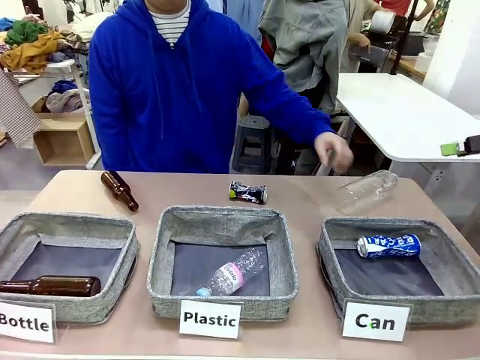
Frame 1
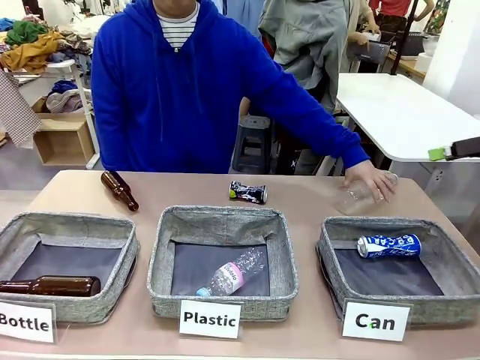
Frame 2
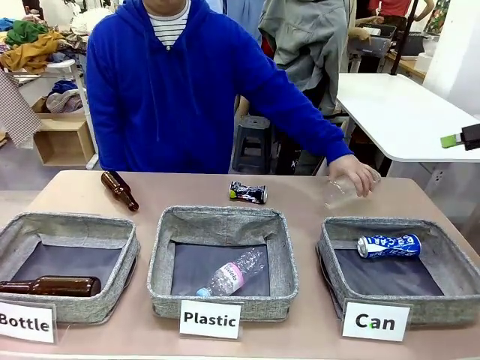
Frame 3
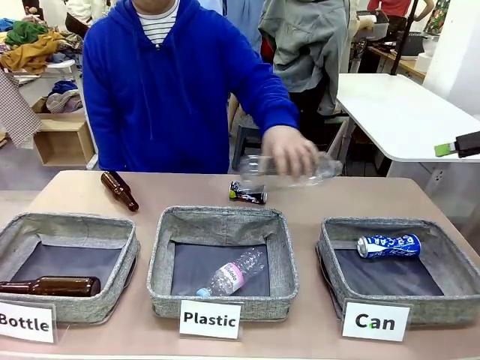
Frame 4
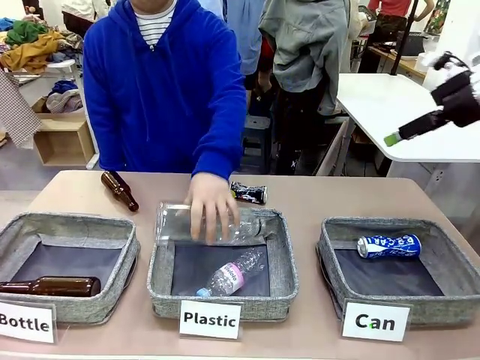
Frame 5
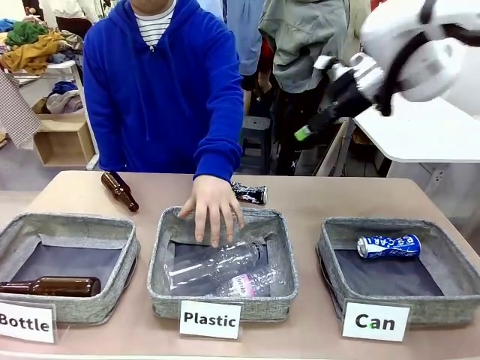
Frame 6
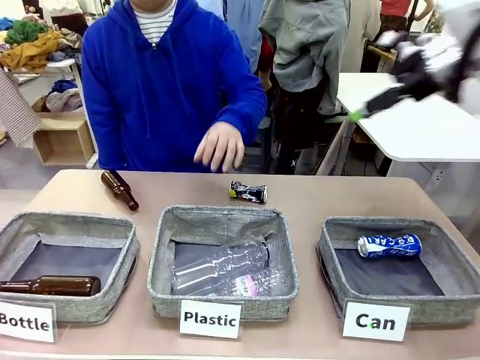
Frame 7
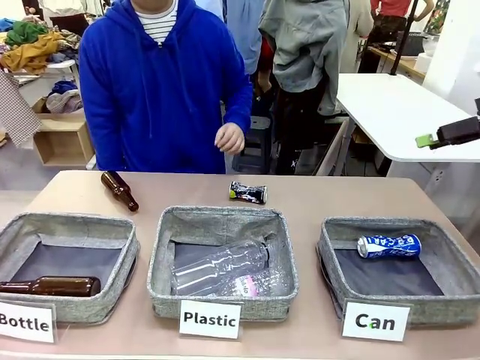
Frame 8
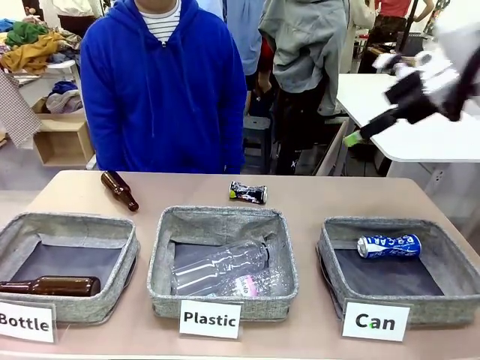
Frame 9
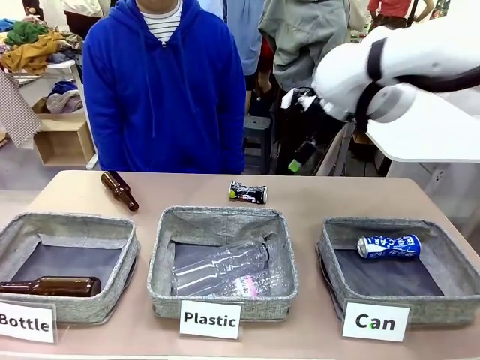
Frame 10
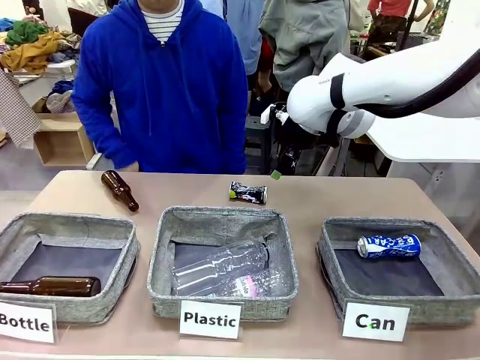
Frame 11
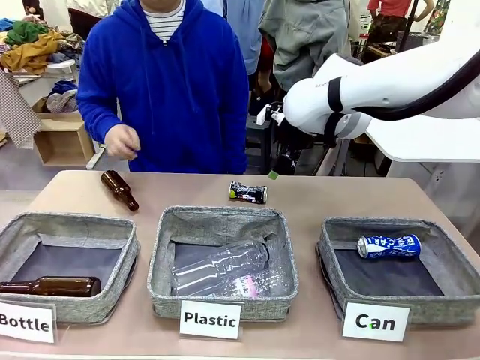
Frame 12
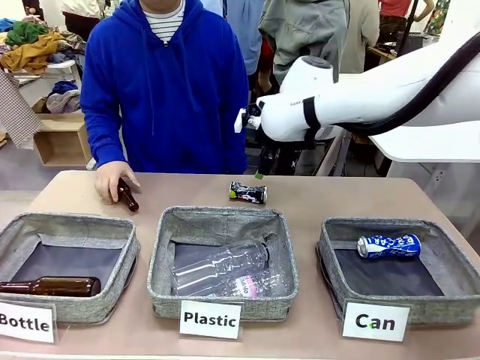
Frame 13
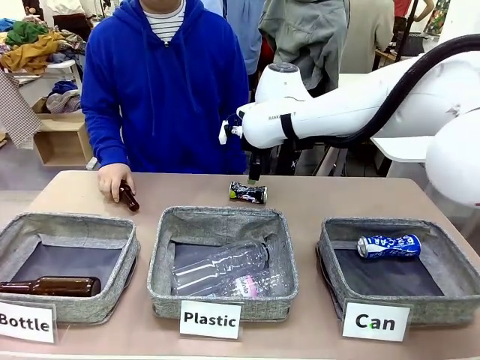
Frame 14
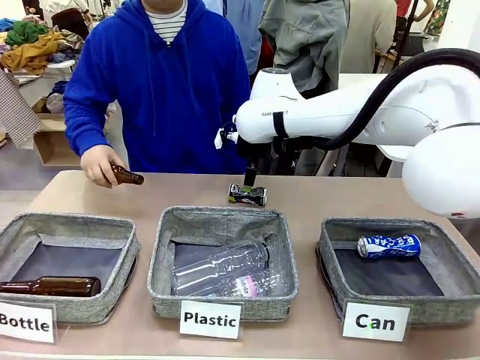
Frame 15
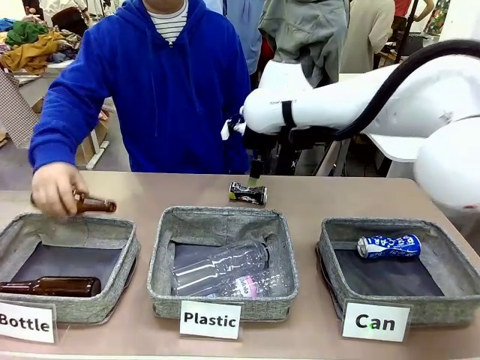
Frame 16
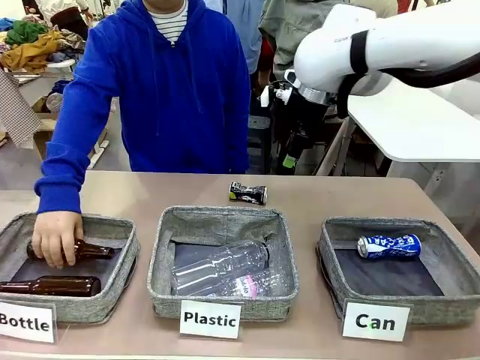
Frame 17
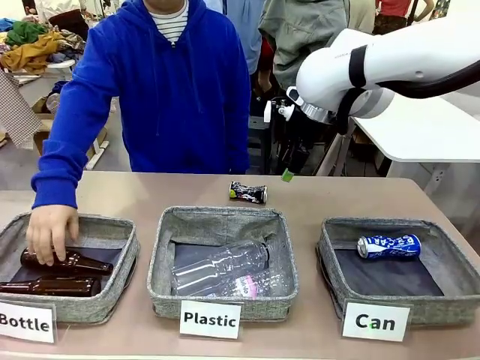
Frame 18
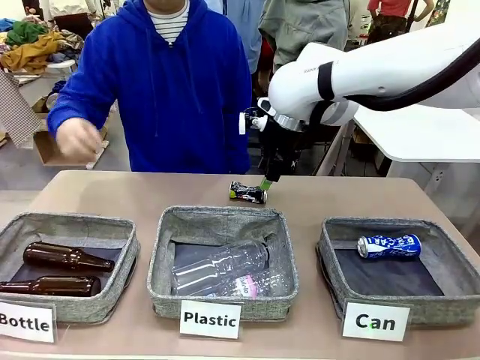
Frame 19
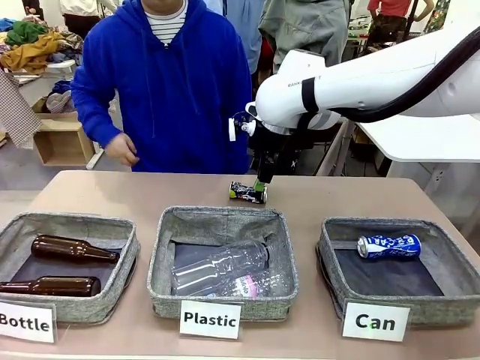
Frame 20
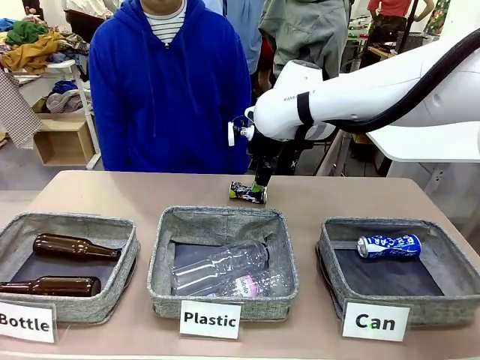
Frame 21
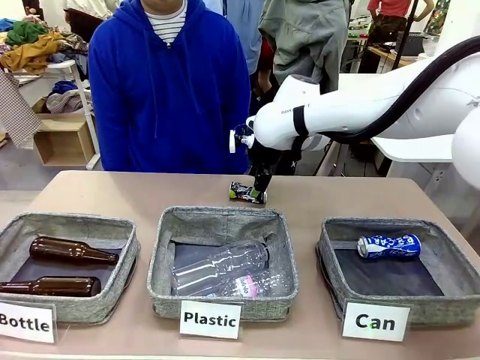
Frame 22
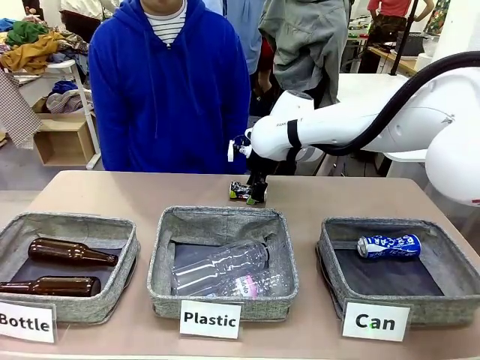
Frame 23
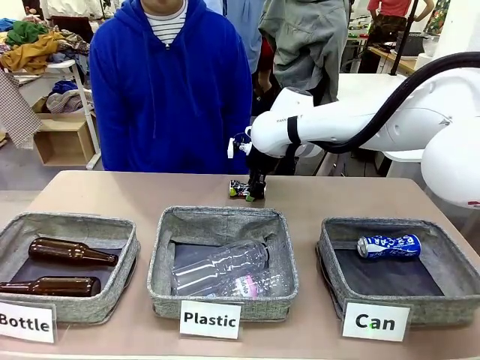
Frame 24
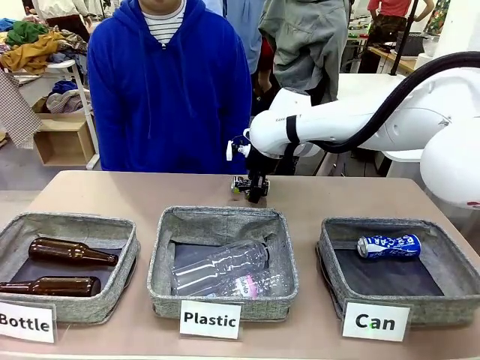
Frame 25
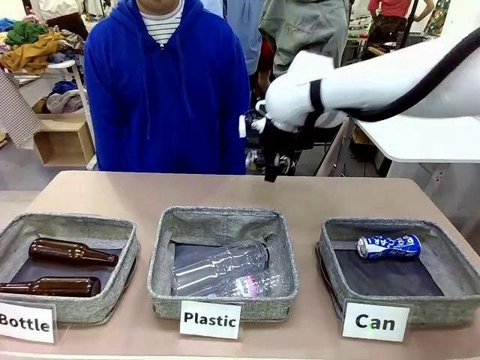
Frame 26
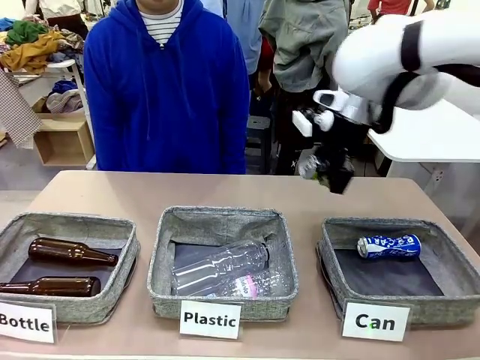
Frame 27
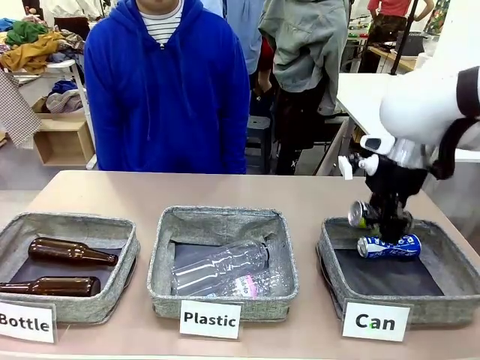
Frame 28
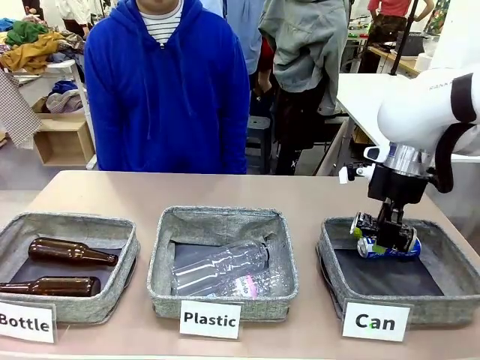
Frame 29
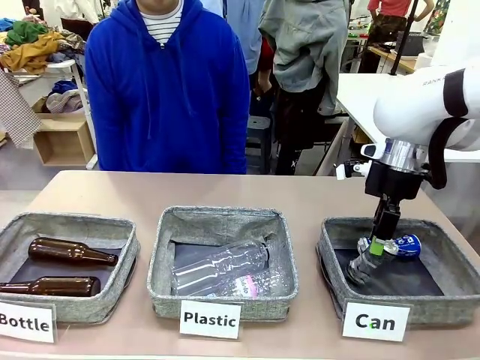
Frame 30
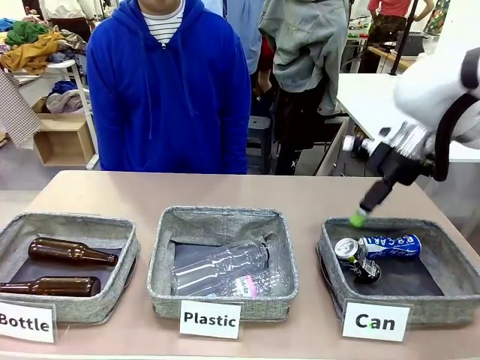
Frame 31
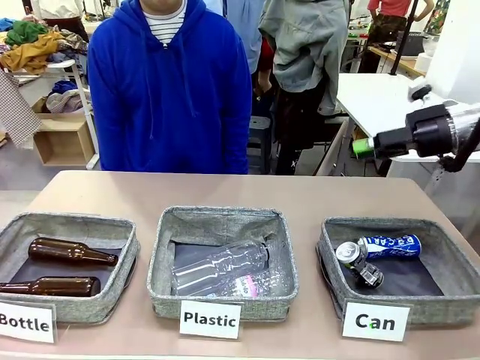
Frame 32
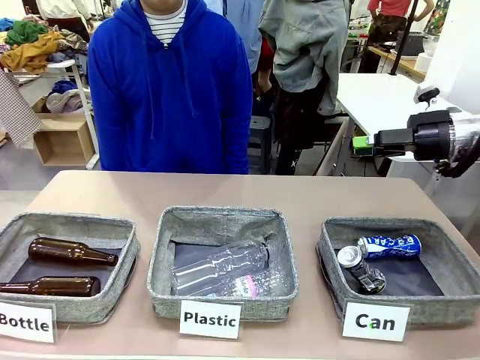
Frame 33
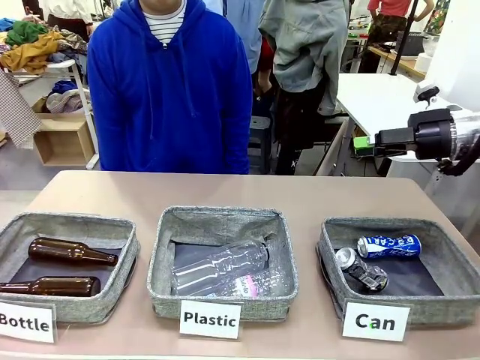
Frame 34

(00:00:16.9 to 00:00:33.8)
Task: Sort the can waste into the basket.
Robot: Pick up the can waste from the table and place it in the right Fabric basket.

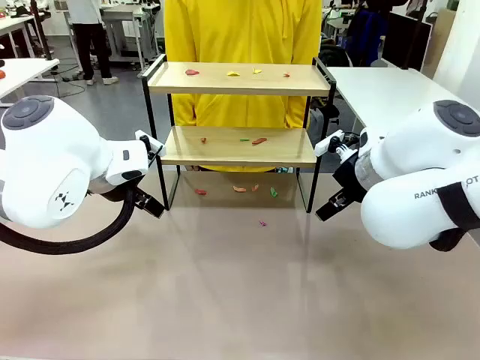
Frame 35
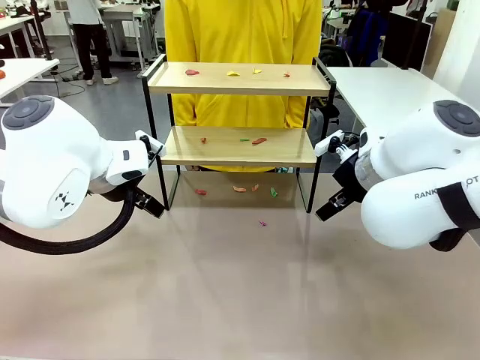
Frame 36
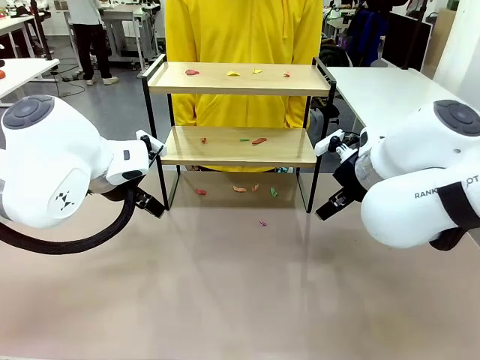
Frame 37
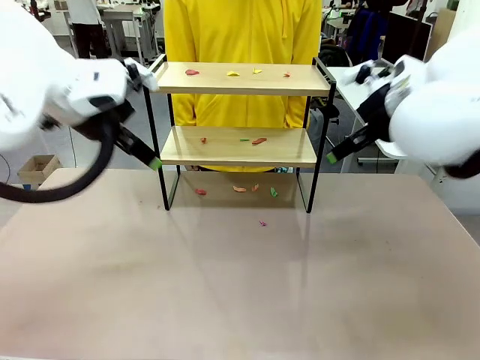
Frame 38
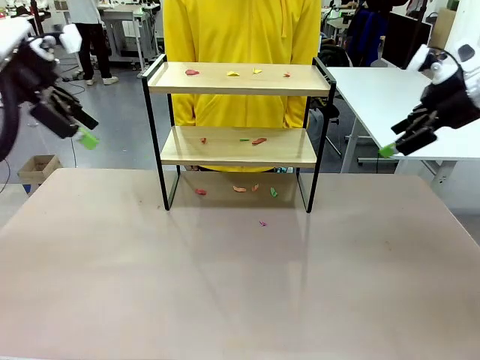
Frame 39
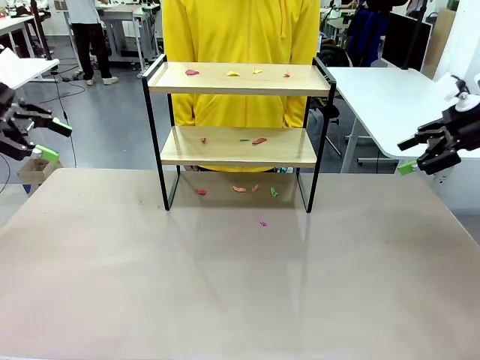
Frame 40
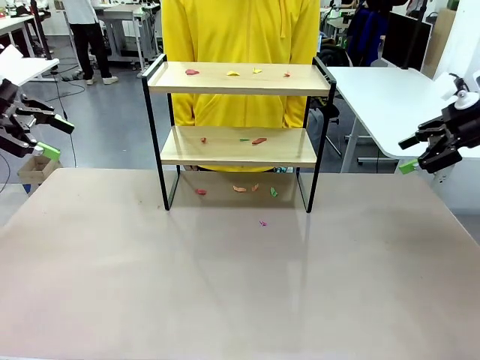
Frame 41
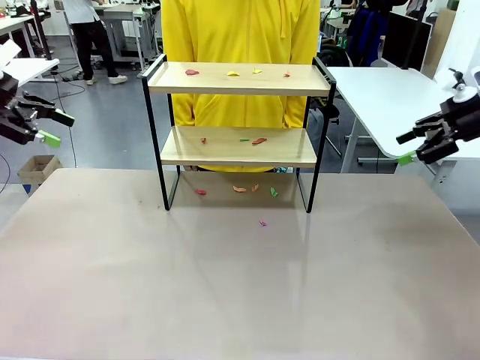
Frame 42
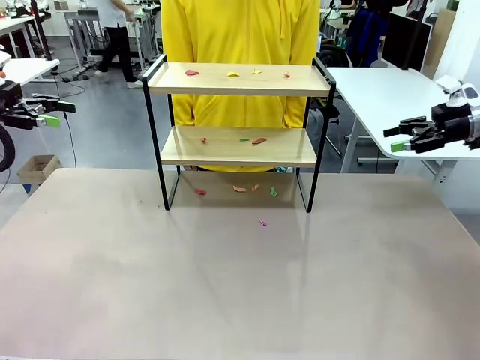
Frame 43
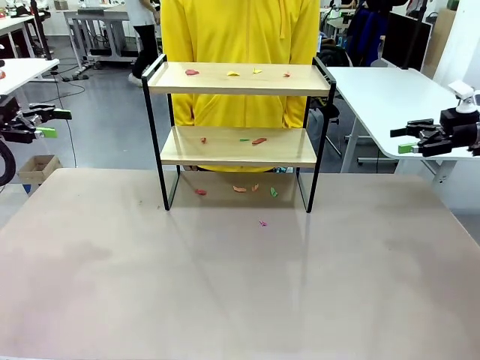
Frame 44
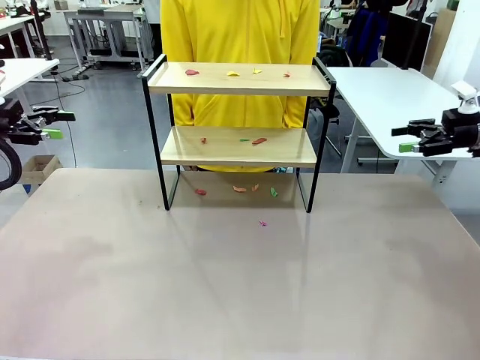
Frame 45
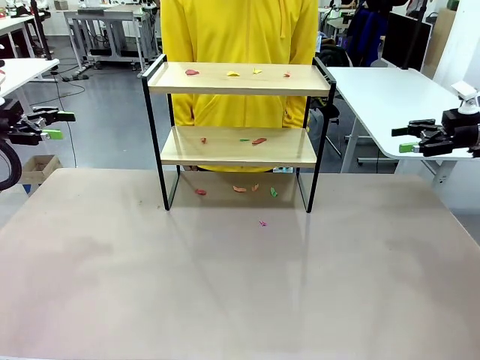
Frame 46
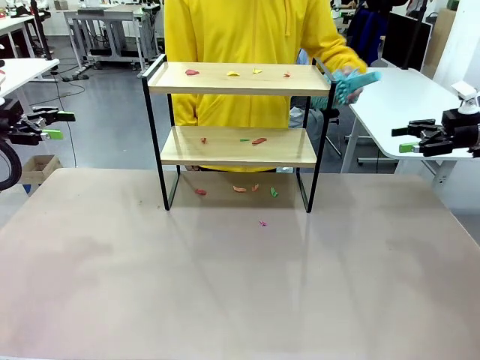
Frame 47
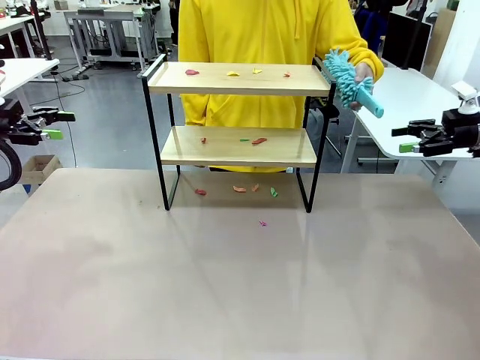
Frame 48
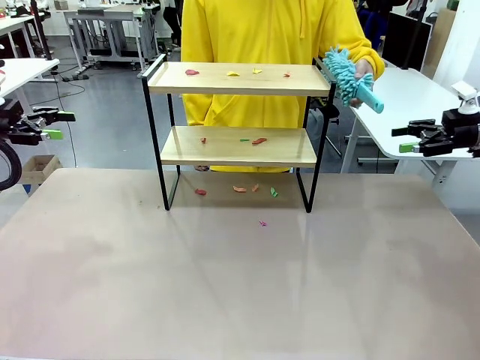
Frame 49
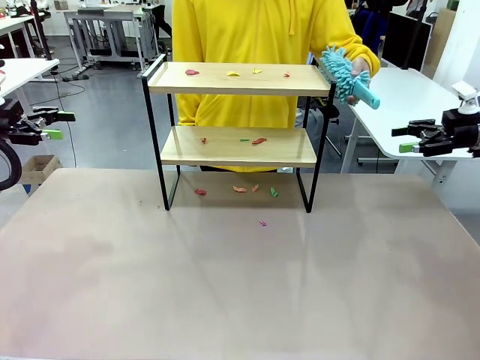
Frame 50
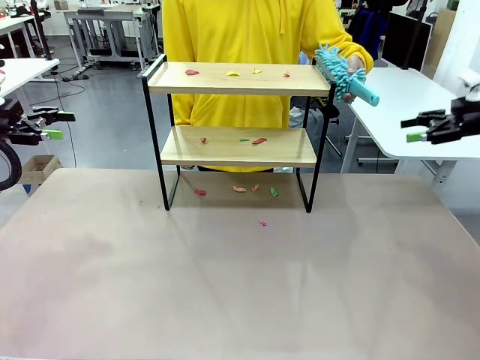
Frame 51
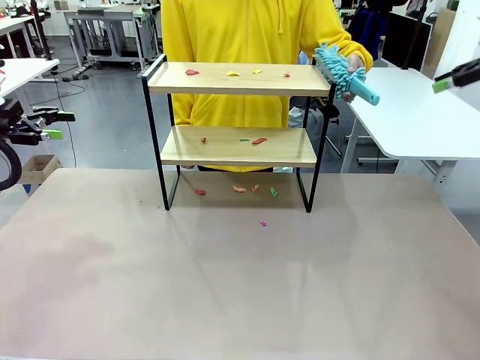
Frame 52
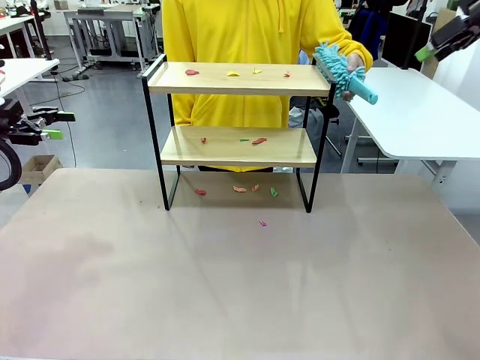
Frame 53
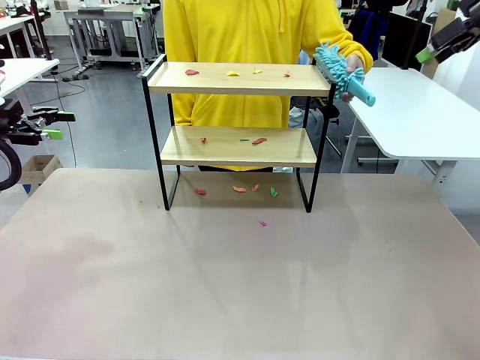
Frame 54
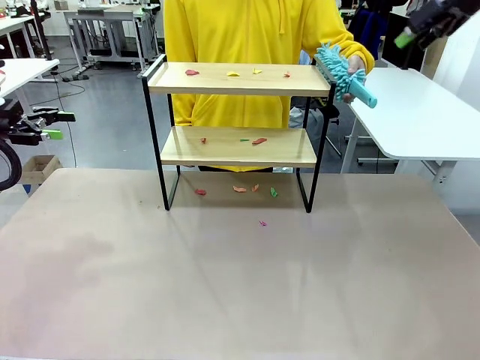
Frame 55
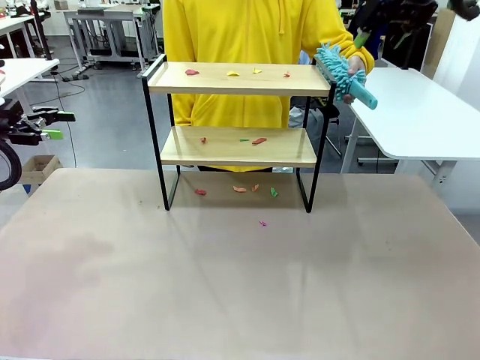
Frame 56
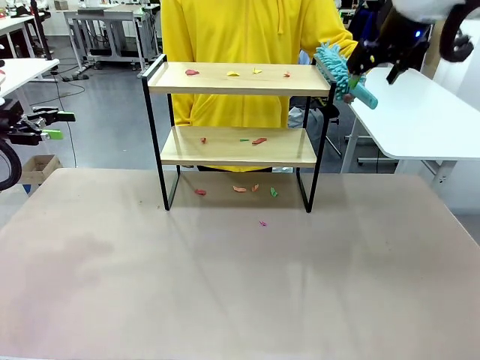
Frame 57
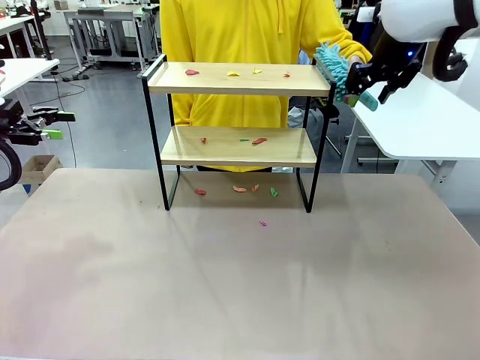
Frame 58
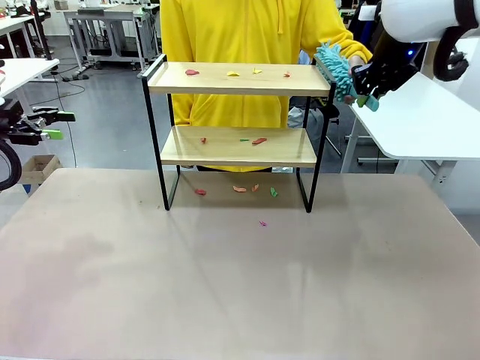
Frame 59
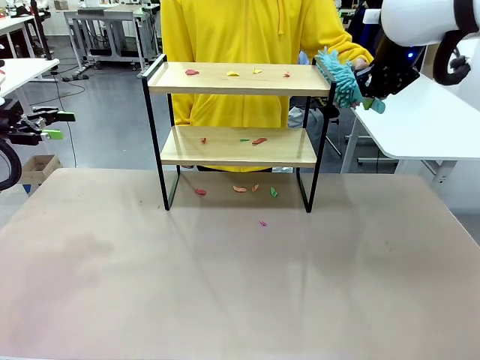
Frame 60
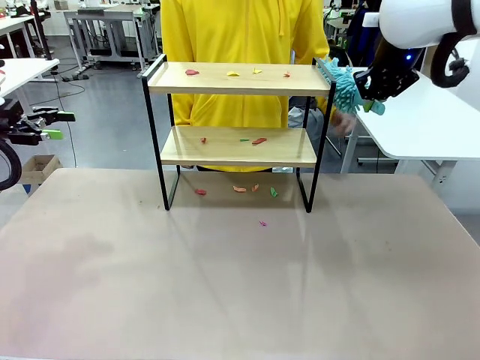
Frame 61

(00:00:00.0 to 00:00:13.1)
Task: Clean the shelf.
Robot: Pick up the Duster handed by the human.
Person: Hand the Duster to the robot.
